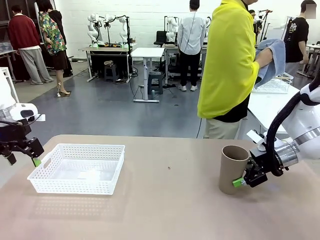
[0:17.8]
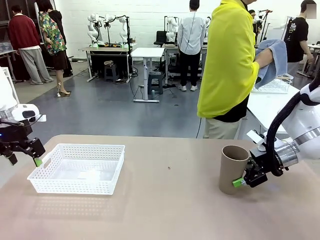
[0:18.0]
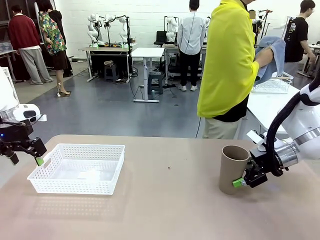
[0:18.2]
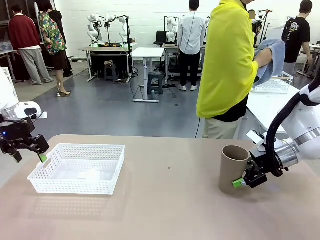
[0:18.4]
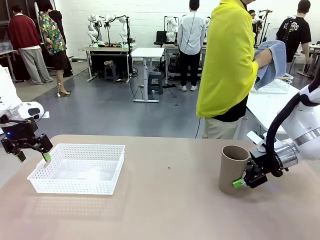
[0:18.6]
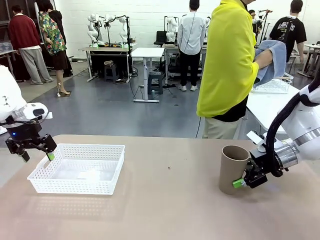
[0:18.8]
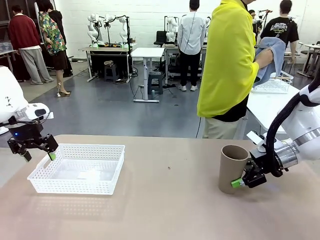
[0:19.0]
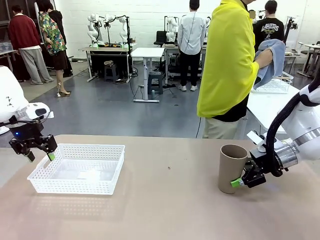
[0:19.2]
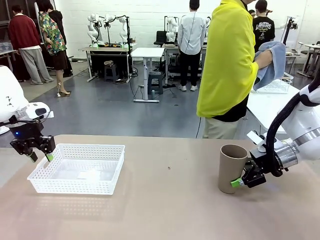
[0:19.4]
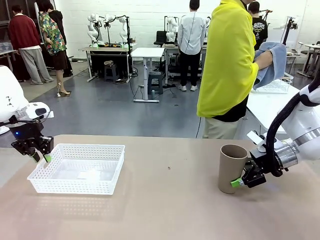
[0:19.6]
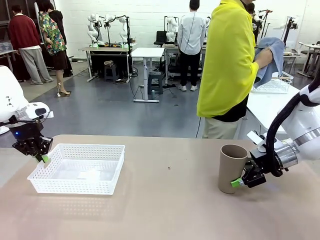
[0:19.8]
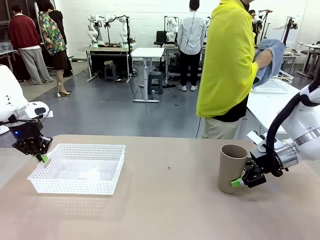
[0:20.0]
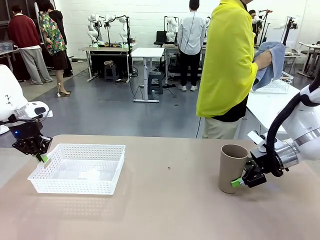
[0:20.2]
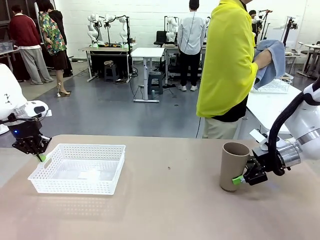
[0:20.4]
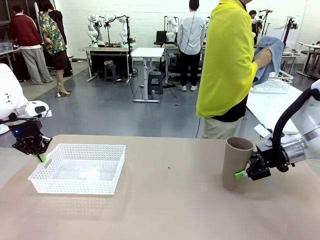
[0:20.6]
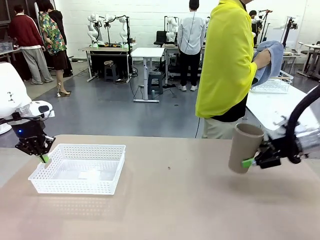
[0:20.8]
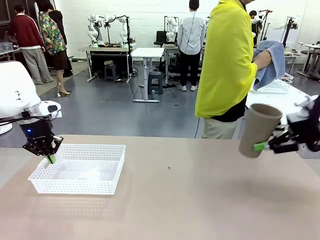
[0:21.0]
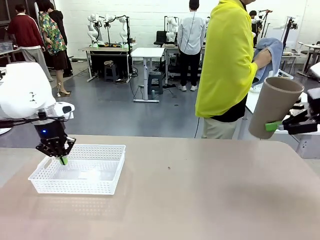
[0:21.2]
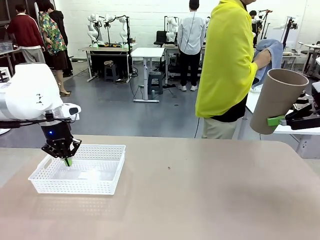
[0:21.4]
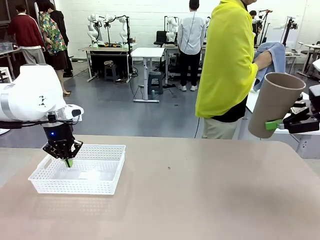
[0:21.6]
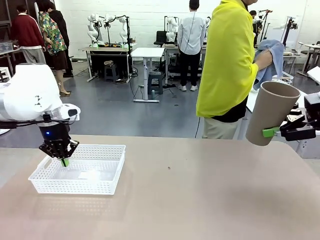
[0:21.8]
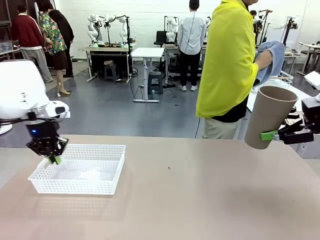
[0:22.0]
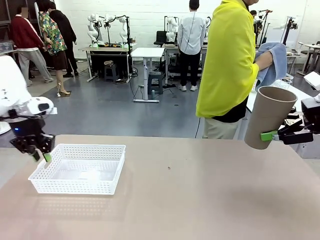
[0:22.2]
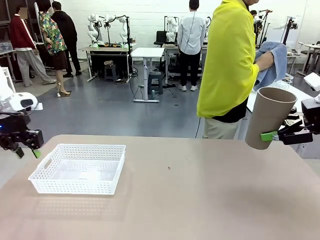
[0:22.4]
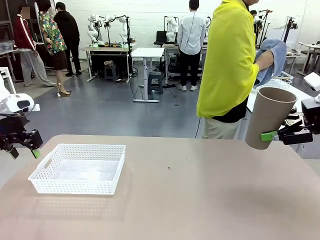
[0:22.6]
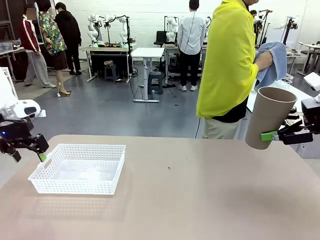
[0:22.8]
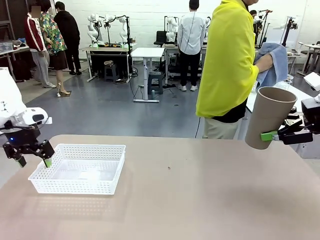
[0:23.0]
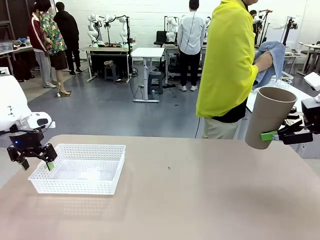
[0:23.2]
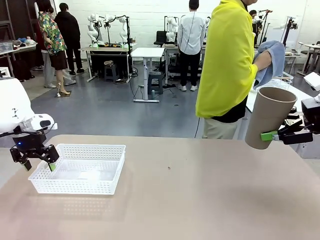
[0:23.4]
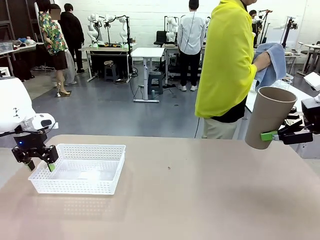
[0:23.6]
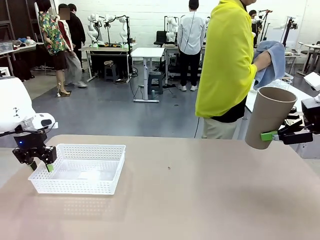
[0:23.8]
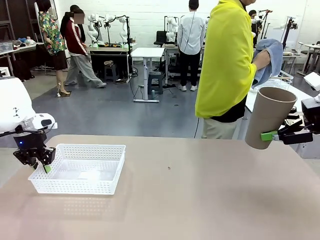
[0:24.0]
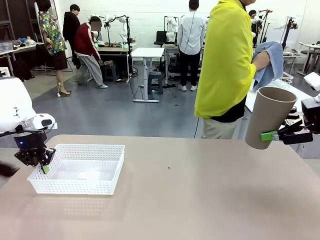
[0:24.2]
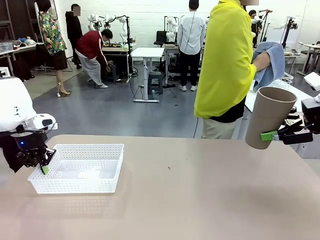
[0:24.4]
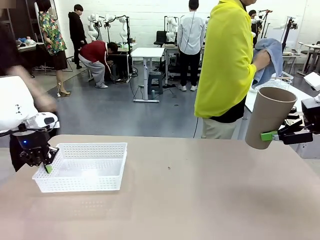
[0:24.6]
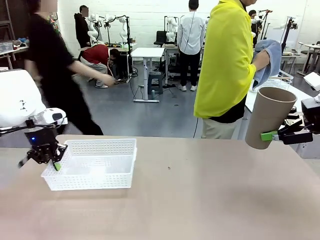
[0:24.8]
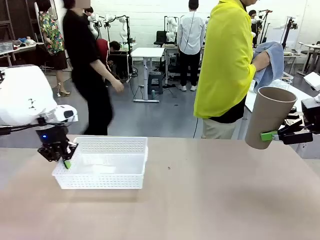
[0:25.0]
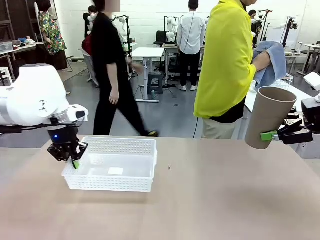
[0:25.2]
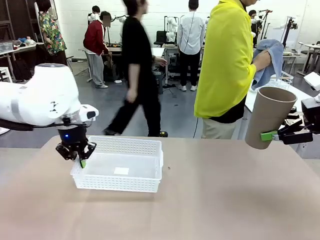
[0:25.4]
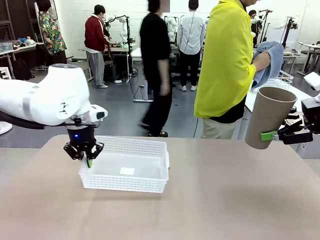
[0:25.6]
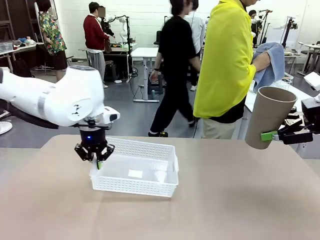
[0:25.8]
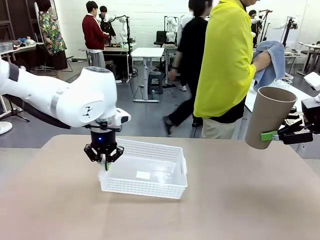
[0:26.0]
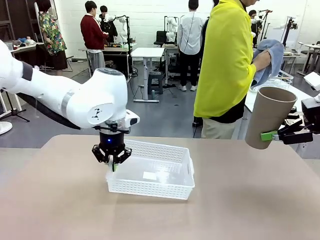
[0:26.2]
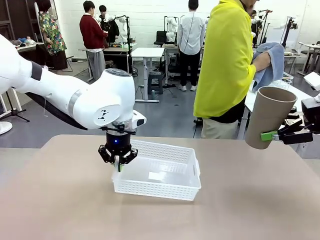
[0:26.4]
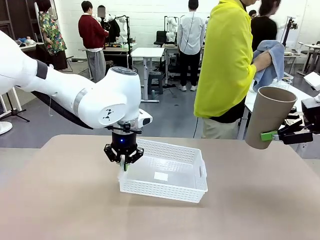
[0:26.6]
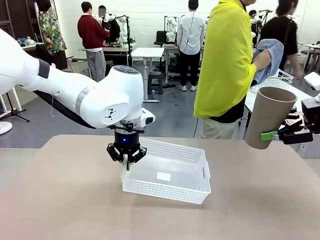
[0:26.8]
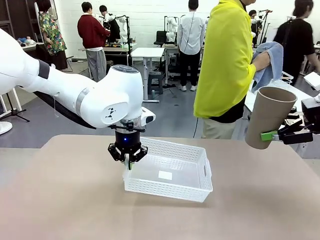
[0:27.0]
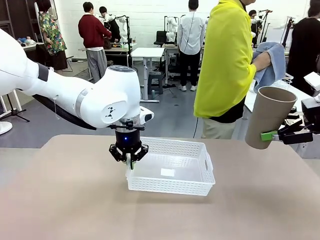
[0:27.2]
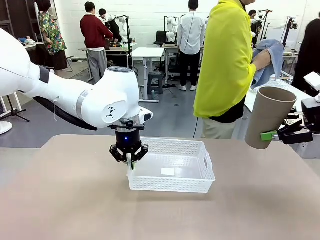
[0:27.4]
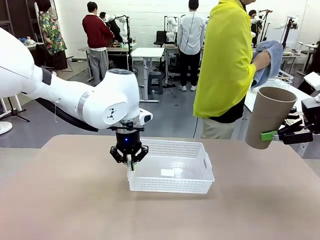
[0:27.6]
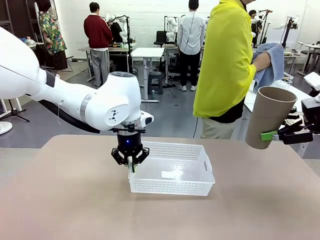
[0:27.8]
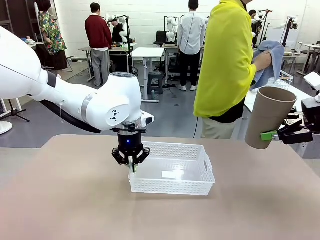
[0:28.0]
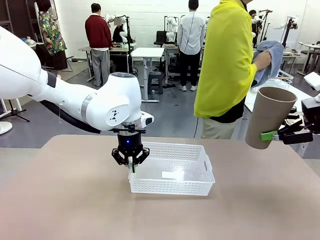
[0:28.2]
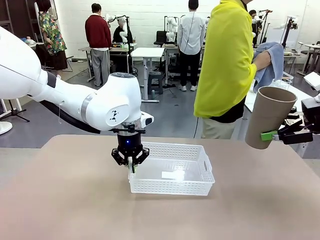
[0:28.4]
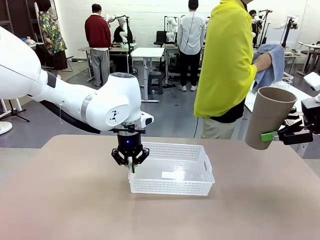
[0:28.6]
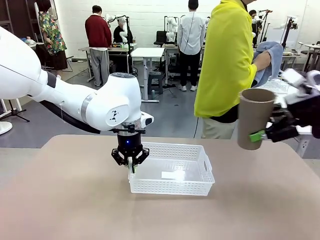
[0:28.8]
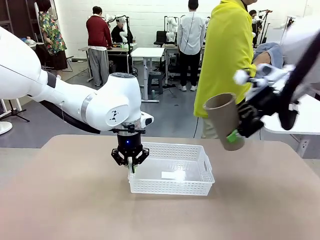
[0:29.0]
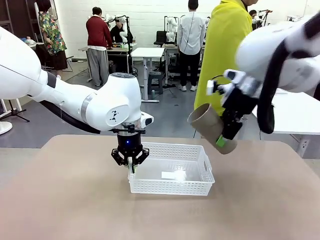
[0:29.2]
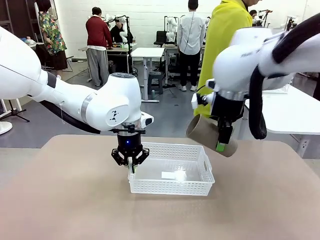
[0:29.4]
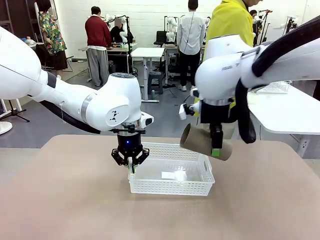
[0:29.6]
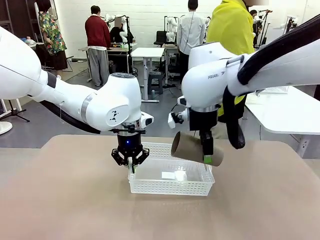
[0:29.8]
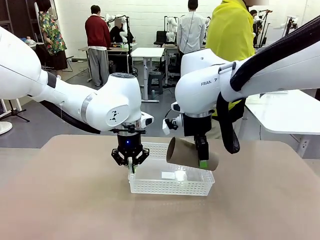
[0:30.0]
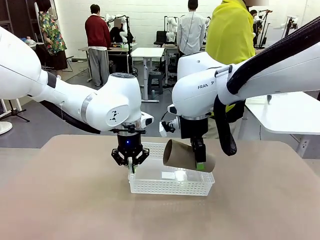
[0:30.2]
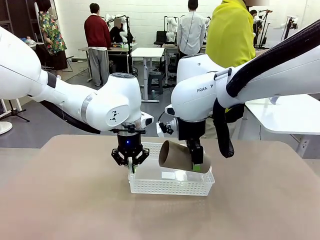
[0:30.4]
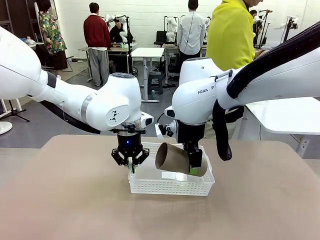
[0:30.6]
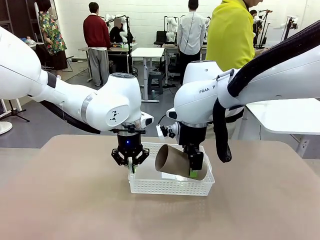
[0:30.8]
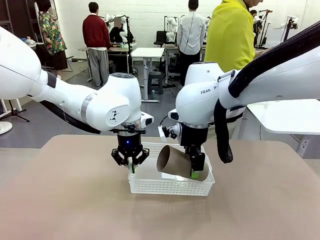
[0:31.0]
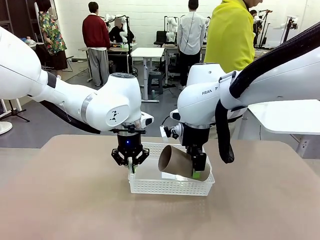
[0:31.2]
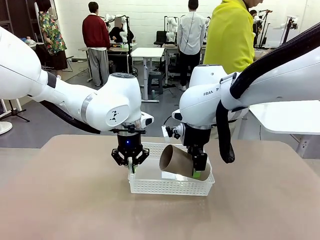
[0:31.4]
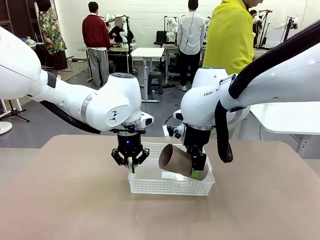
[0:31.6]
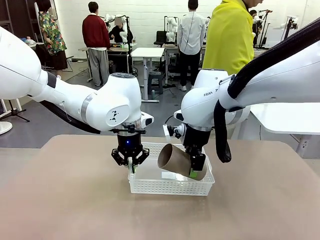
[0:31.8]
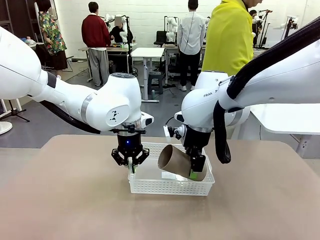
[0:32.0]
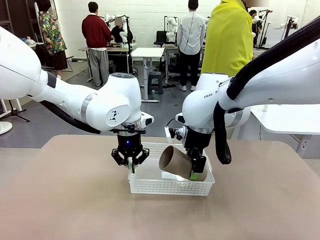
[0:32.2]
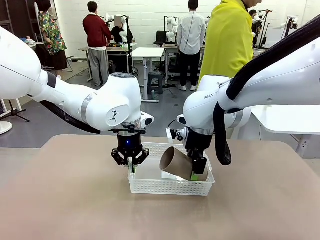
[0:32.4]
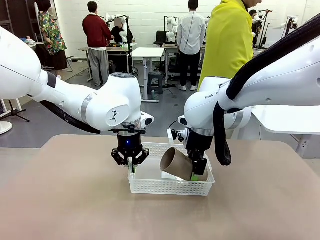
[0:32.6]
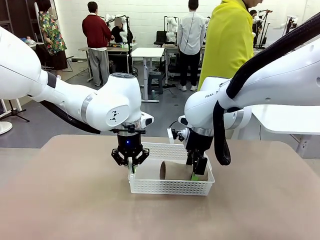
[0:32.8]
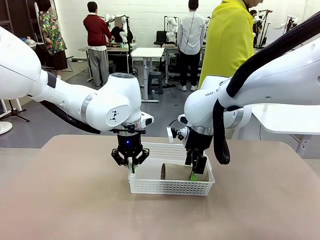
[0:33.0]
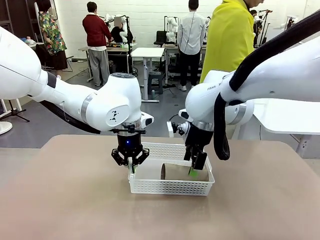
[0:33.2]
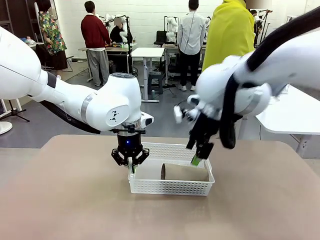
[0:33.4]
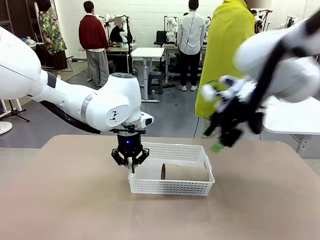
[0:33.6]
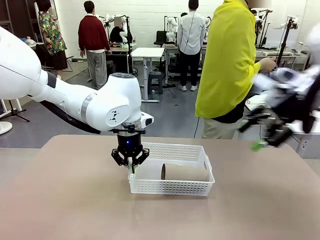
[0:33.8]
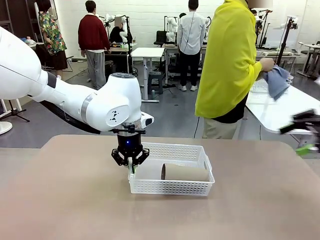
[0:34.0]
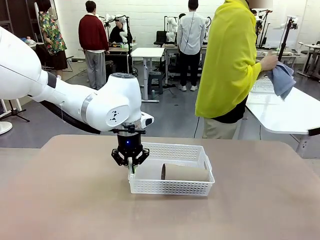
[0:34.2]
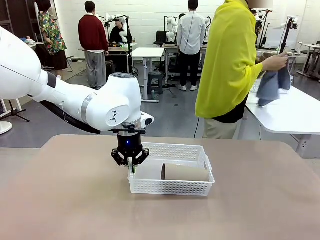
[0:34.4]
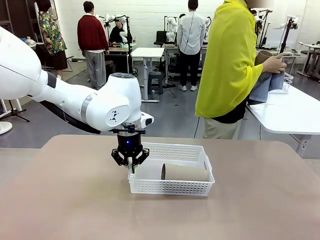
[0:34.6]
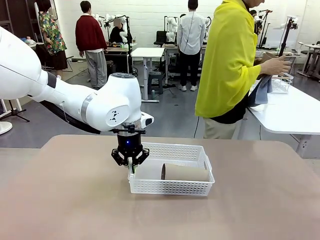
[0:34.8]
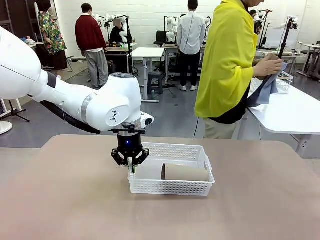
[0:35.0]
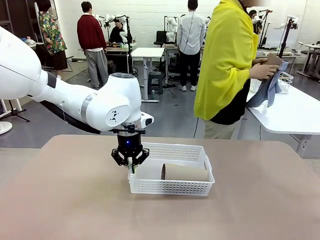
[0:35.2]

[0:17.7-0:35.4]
Task: Clean and organize the cups into the basket.
Robot: Pick up the Organizing basket and move it to the center of the table, then pick up the Reusable plastic cup from the right side of the table and place it inside the Organizing basket.
